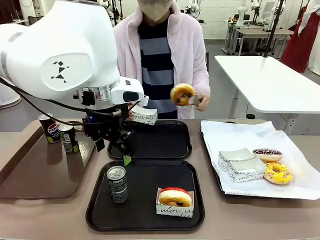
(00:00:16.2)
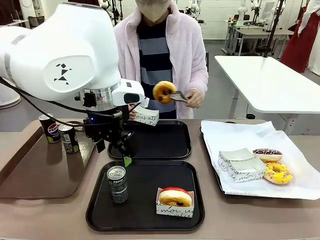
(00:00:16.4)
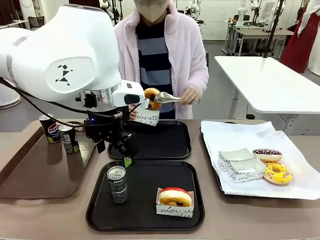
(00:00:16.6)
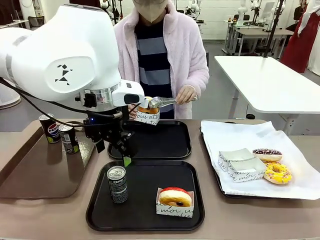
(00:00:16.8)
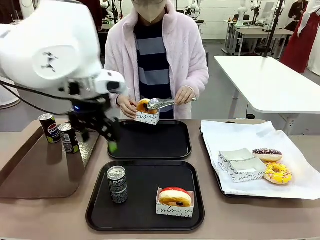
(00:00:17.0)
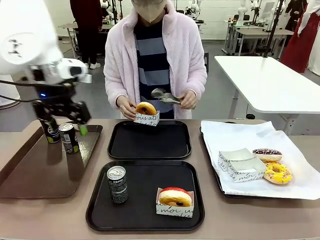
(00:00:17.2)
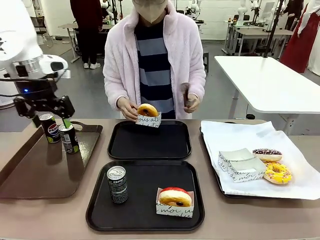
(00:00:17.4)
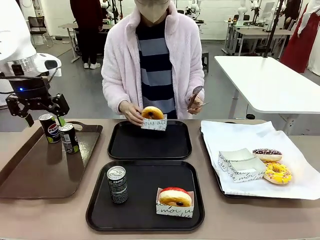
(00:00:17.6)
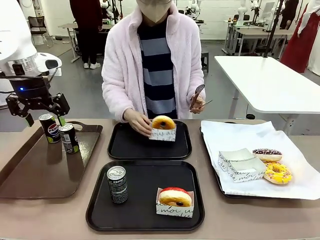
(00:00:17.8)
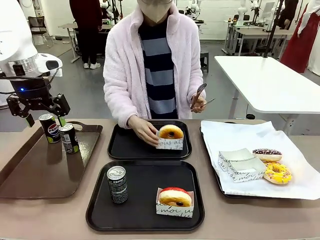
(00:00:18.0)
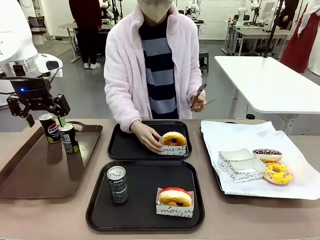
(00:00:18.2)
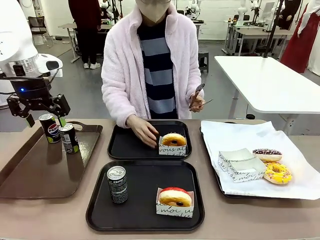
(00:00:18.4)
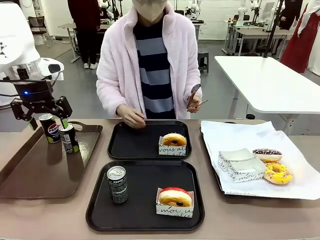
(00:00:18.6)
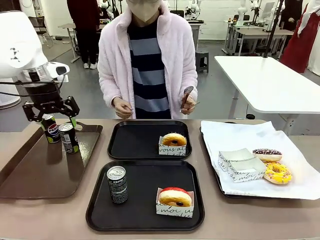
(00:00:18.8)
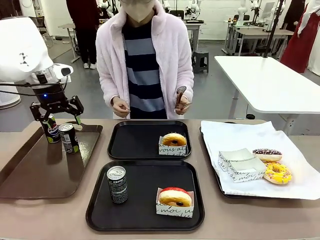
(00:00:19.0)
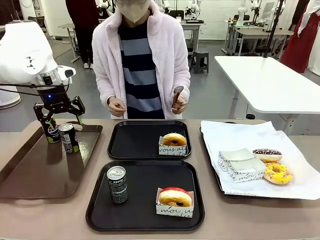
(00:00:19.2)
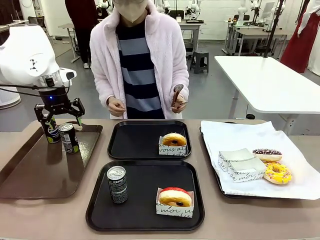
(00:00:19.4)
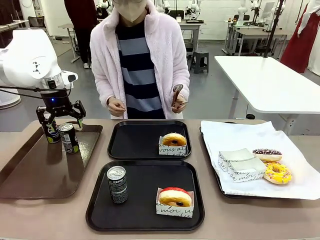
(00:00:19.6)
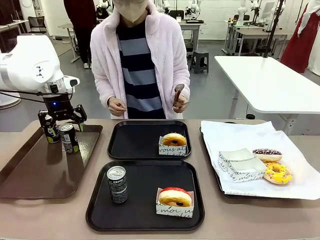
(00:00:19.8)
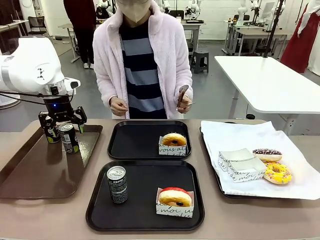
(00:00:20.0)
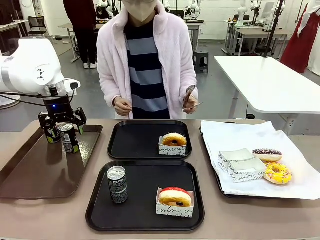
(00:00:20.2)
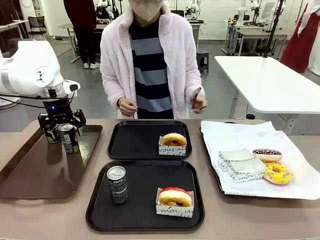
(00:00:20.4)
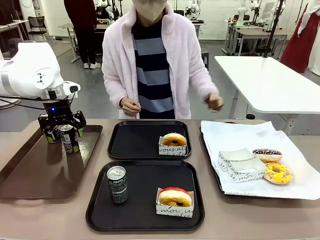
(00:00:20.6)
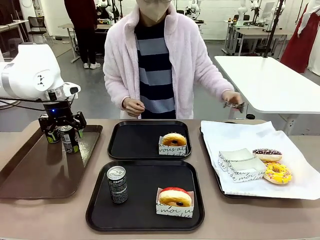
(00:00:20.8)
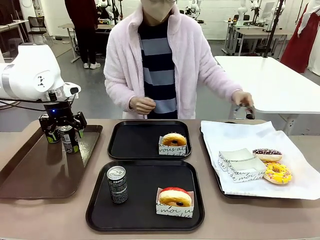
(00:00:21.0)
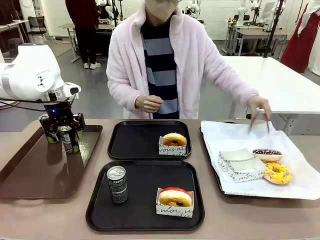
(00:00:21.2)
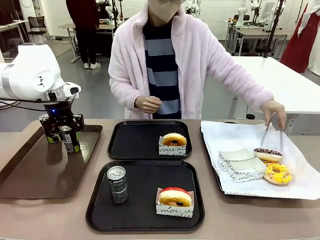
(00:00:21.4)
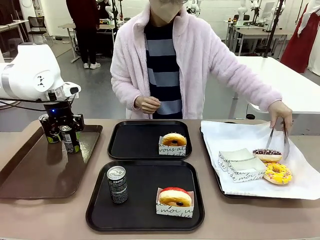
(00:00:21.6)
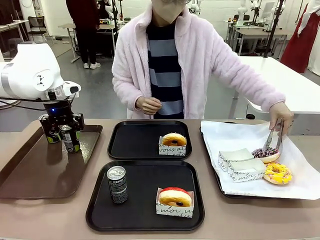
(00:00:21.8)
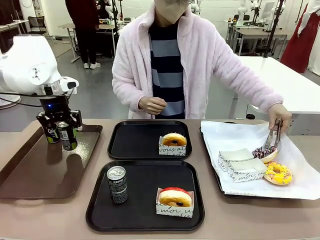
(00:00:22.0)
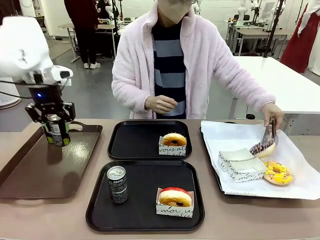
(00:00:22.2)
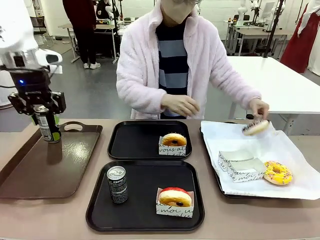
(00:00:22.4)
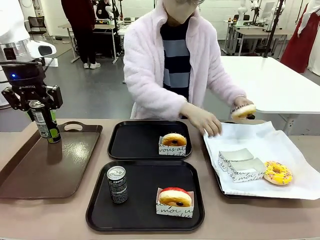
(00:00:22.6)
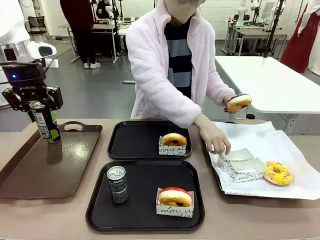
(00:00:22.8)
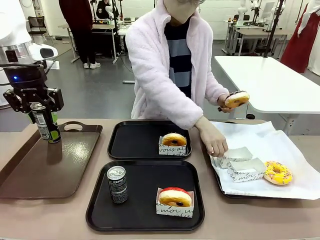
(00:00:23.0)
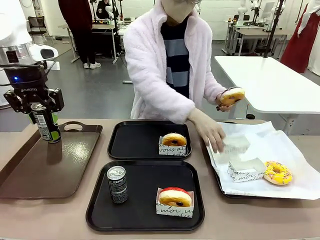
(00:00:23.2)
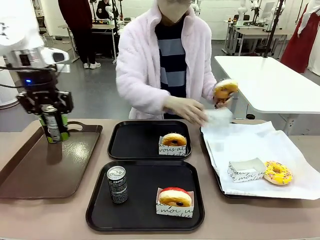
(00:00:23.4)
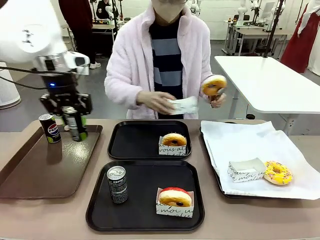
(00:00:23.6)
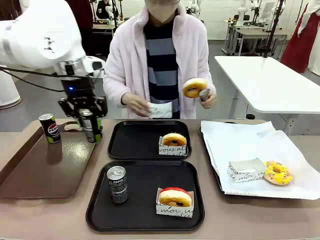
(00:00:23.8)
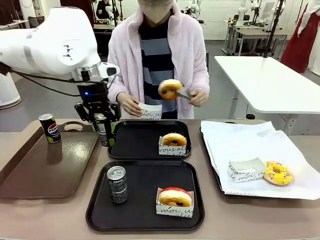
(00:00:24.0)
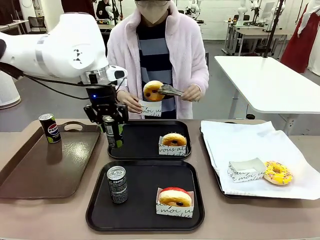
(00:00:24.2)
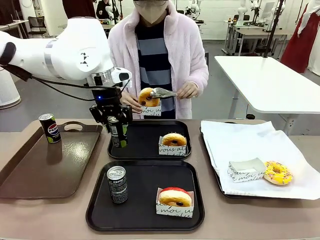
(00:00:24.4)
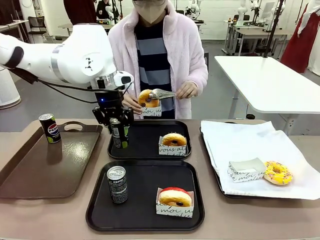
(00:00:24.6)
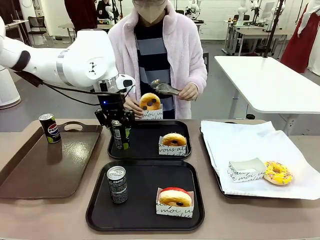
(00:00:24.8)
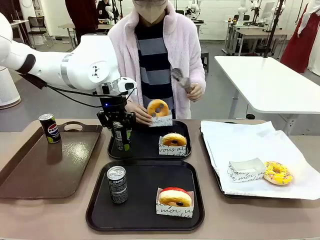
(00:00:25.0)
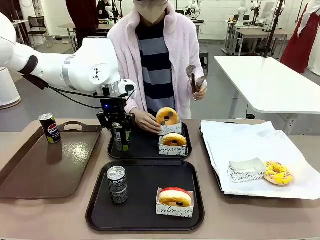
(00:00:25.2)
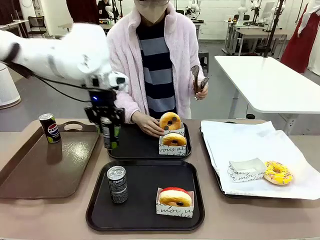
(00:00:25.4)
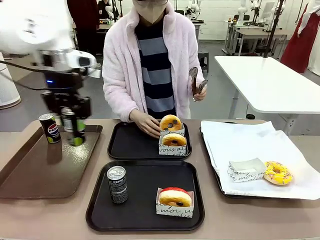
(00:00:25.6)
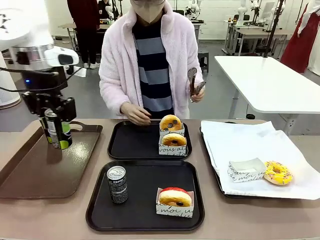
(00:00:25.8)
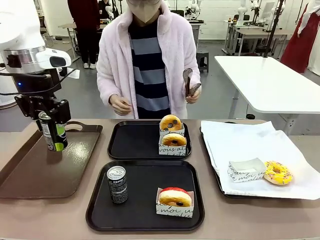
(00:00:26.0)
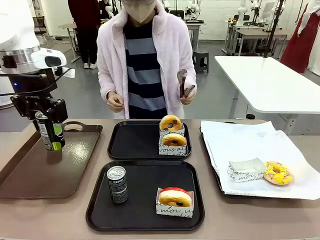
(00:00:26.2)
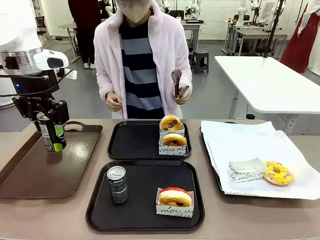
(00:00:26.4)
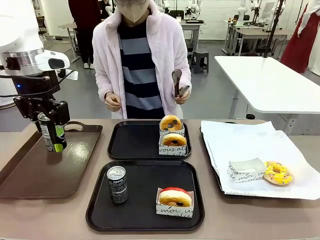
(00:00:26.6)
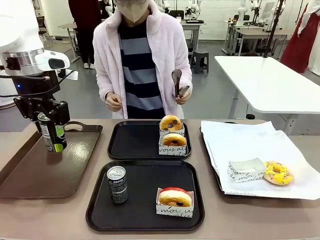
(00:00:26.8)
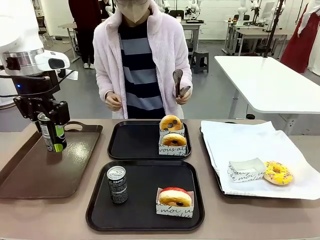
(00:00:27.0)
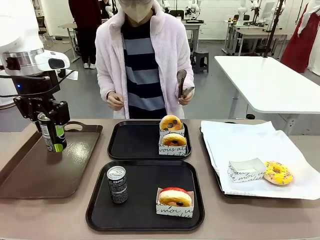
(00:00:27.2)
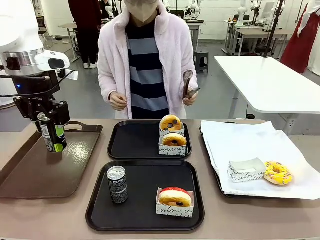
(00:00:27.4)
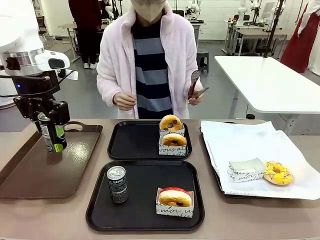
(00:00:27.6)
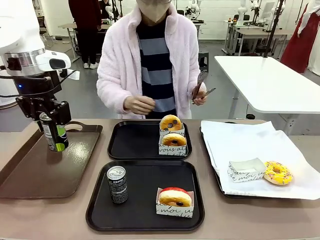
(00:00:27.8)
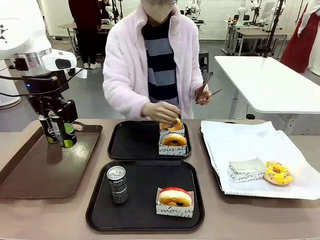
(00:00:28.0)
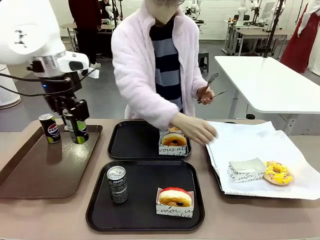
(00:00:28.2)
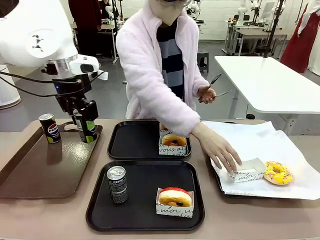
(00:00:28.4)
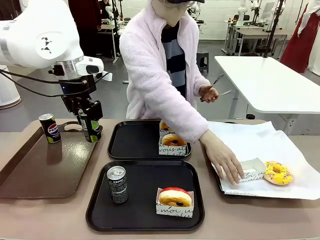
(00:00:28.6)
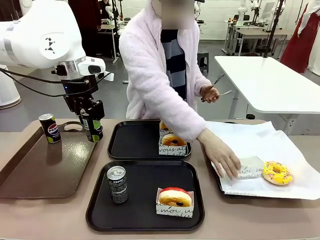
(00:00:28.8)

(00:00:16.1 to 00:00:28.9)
Task: Set up donuts and drinks on trays.
Robot: Pick up one Pepsi coke from the Handle tray and place it on the Flat Tray without a Pepsi coke.
